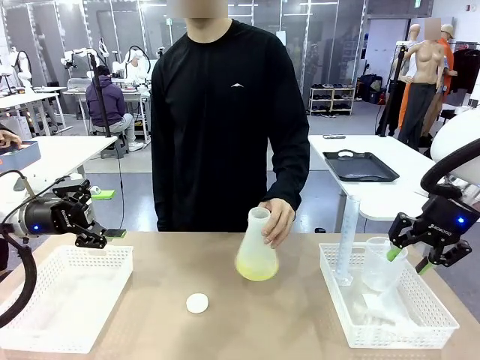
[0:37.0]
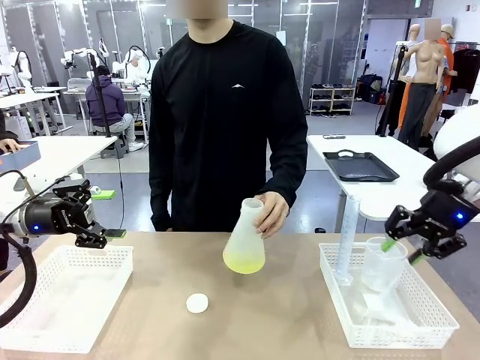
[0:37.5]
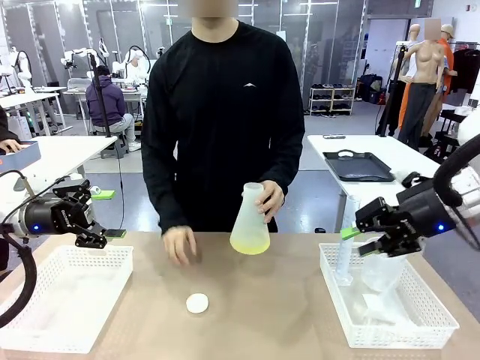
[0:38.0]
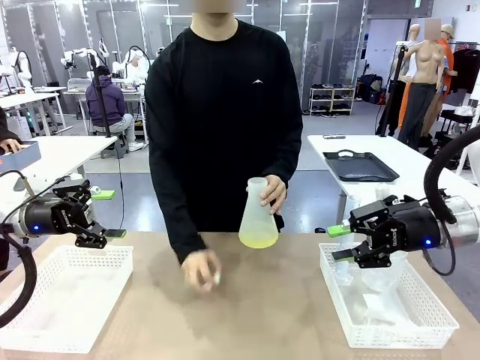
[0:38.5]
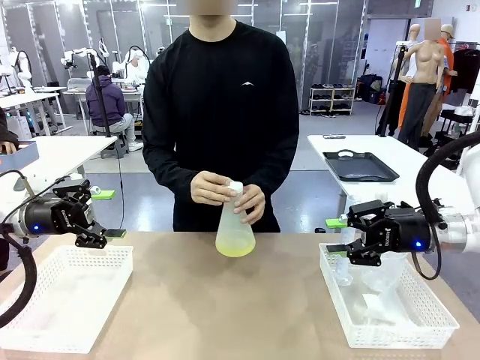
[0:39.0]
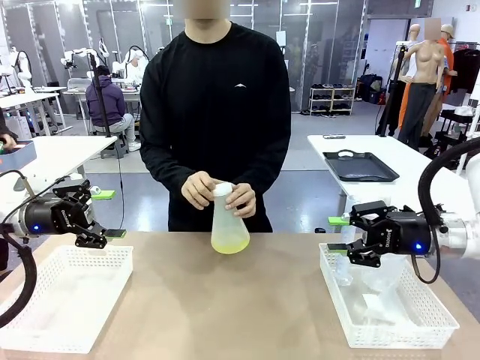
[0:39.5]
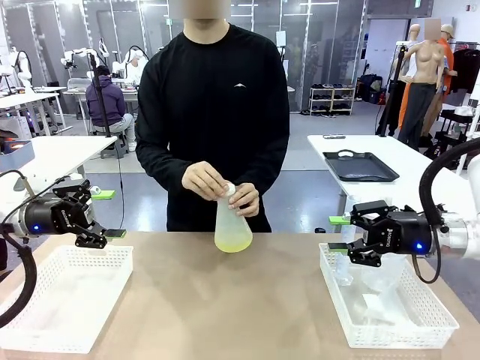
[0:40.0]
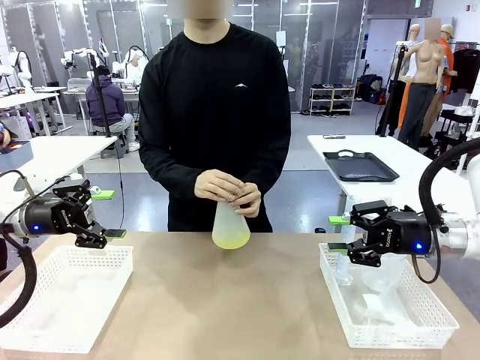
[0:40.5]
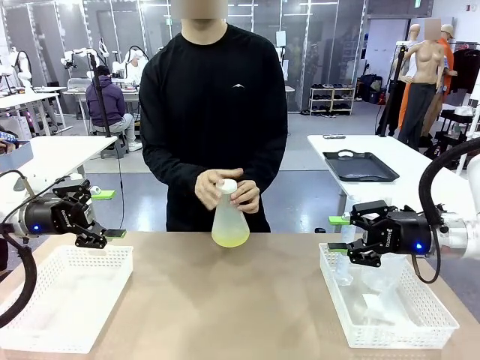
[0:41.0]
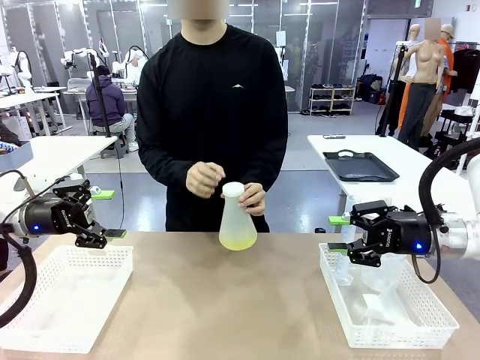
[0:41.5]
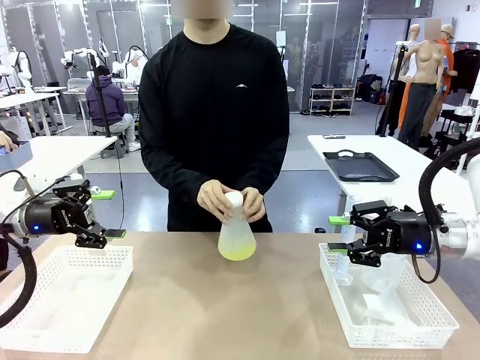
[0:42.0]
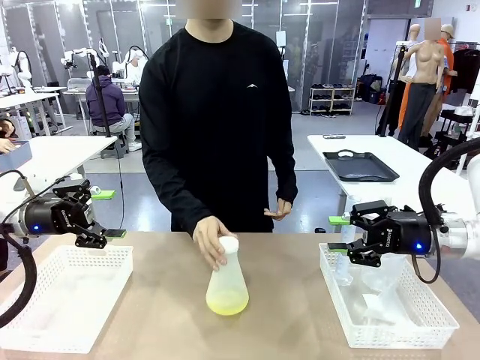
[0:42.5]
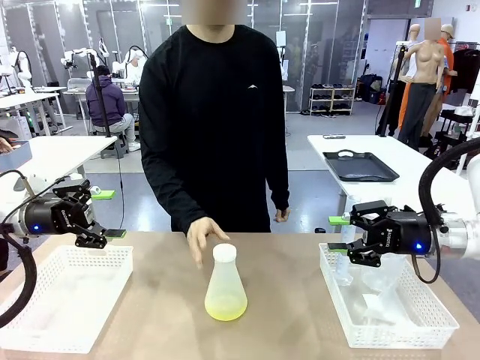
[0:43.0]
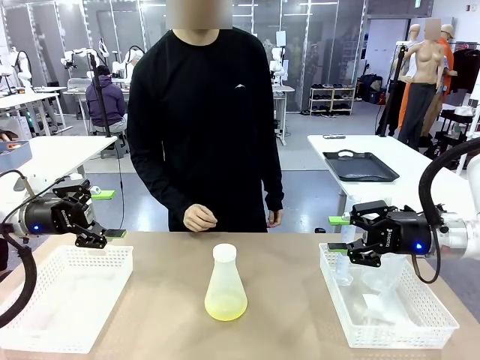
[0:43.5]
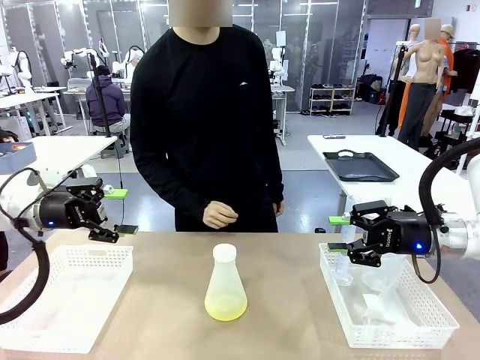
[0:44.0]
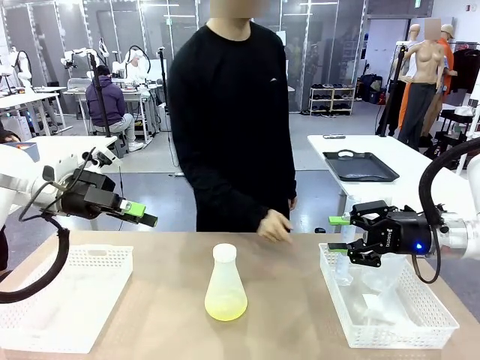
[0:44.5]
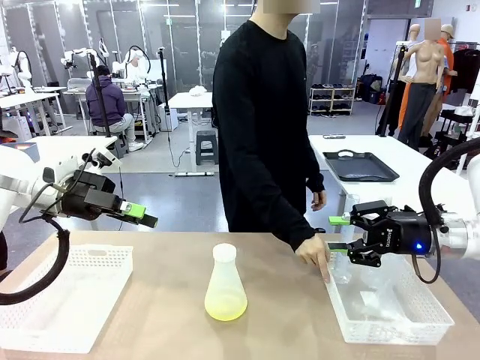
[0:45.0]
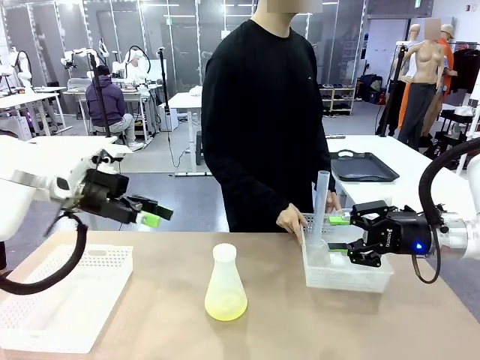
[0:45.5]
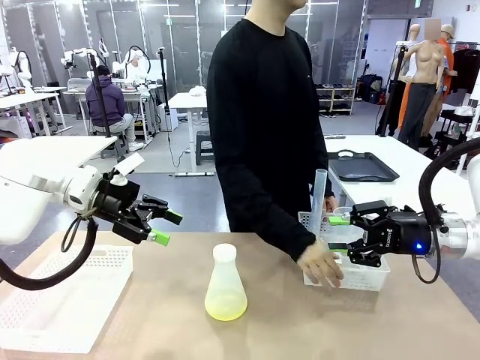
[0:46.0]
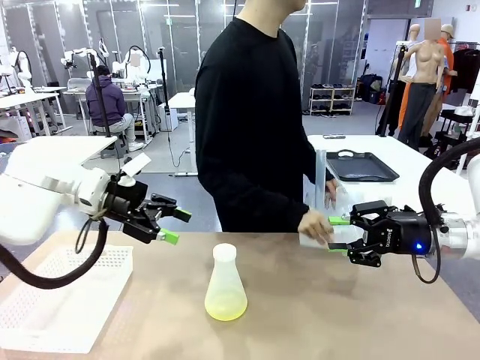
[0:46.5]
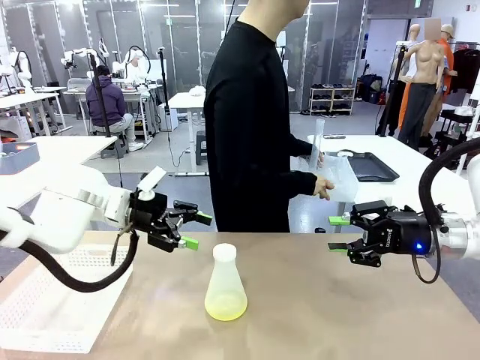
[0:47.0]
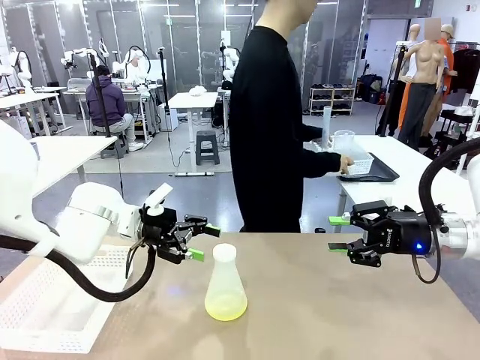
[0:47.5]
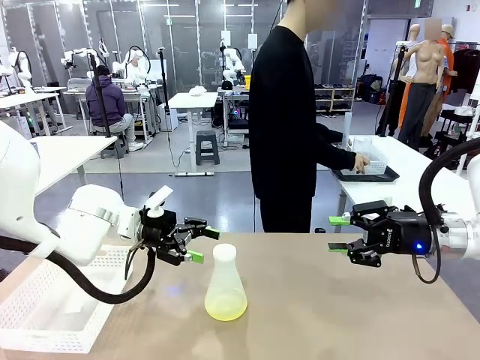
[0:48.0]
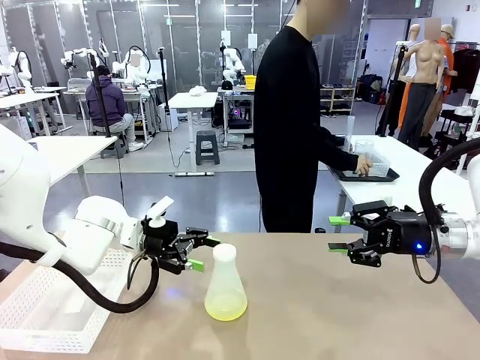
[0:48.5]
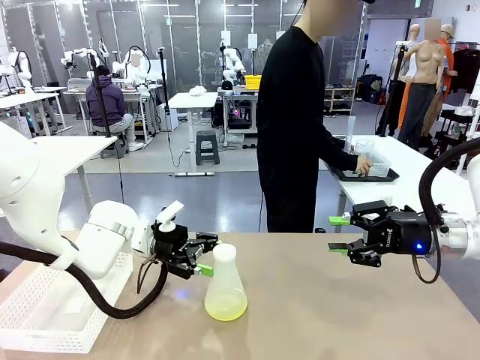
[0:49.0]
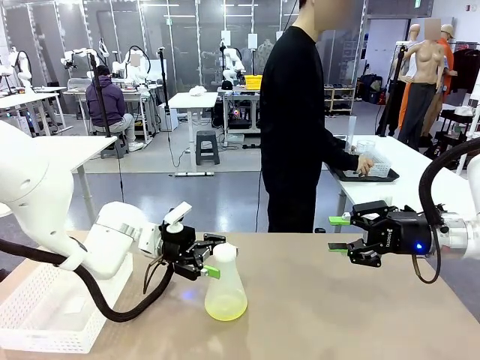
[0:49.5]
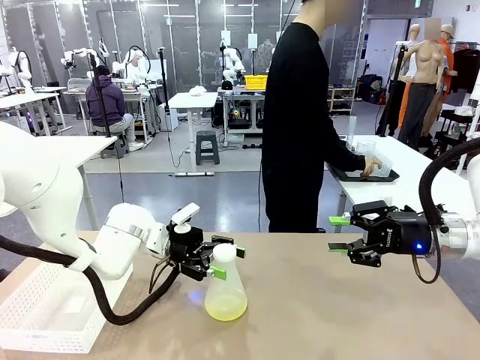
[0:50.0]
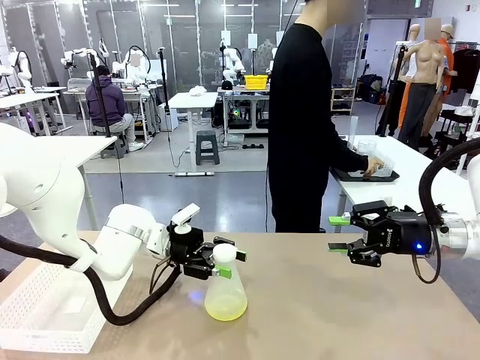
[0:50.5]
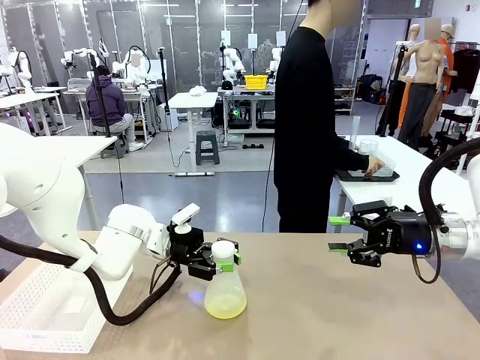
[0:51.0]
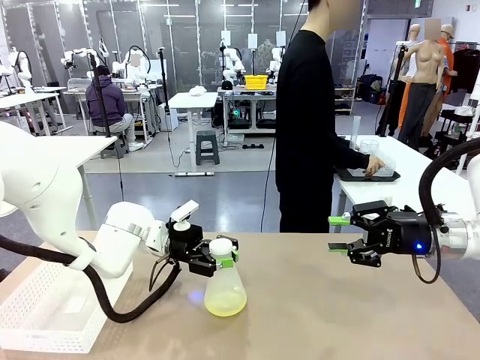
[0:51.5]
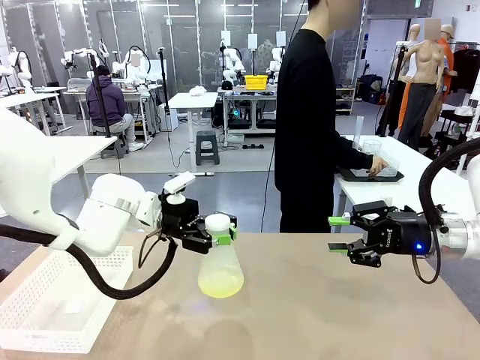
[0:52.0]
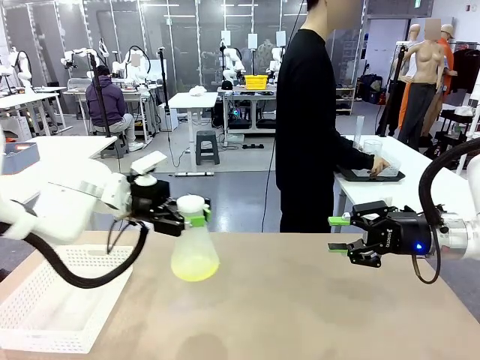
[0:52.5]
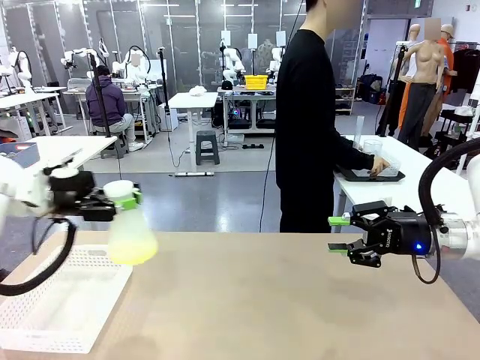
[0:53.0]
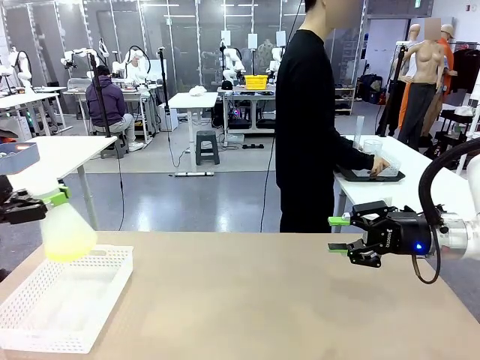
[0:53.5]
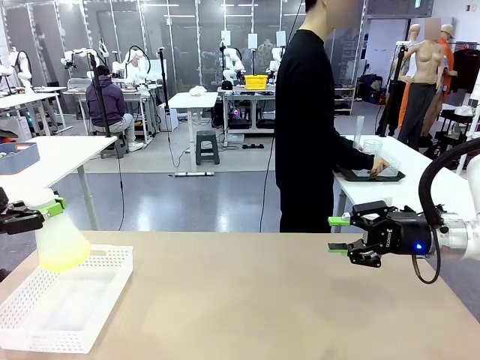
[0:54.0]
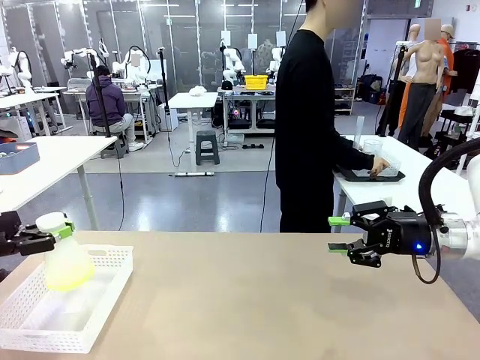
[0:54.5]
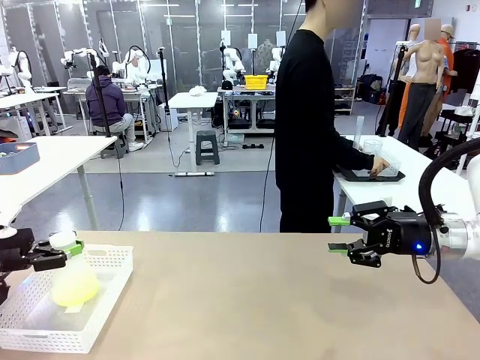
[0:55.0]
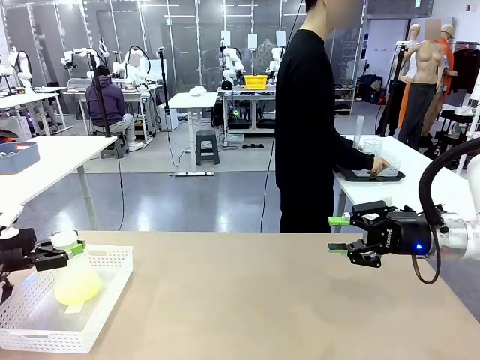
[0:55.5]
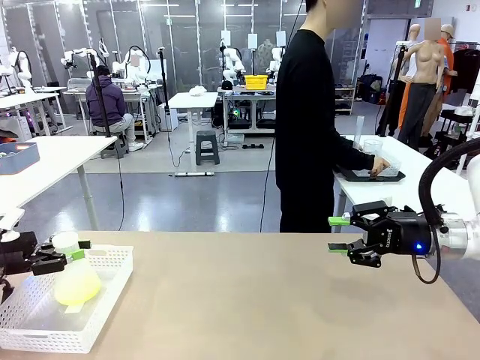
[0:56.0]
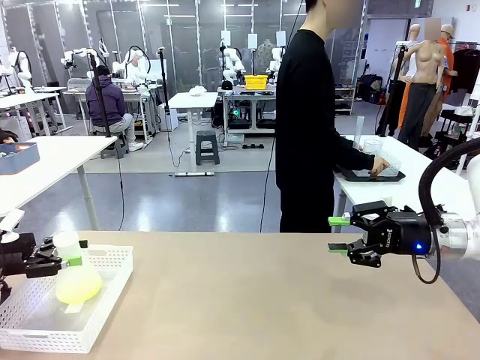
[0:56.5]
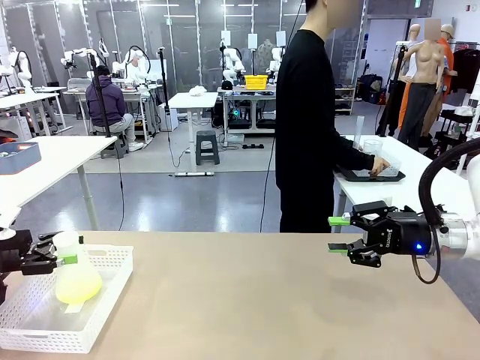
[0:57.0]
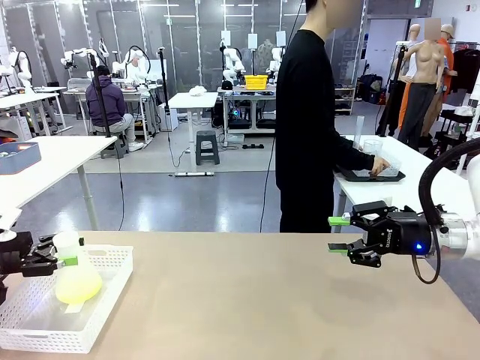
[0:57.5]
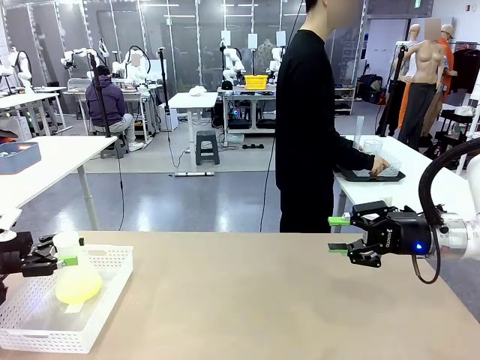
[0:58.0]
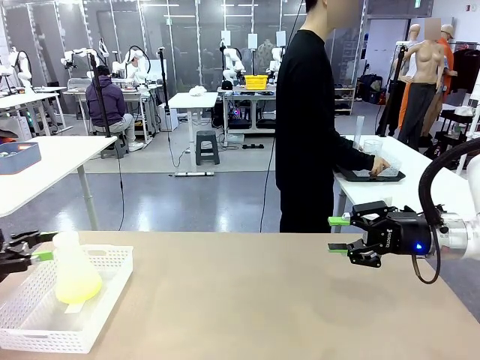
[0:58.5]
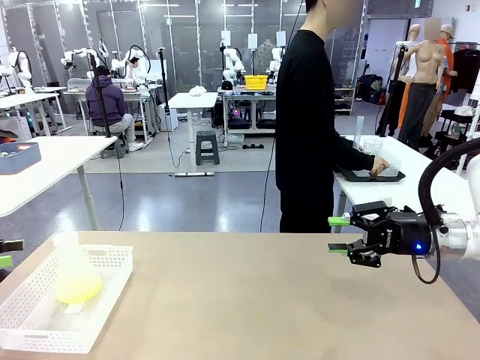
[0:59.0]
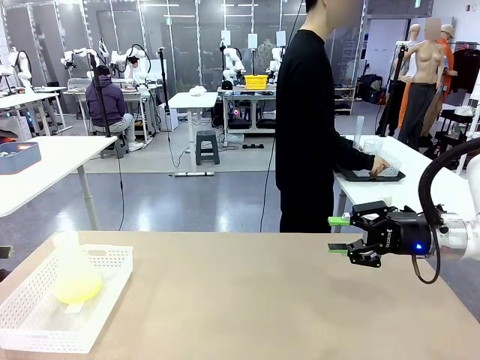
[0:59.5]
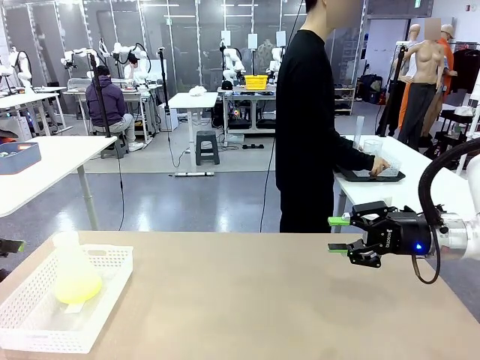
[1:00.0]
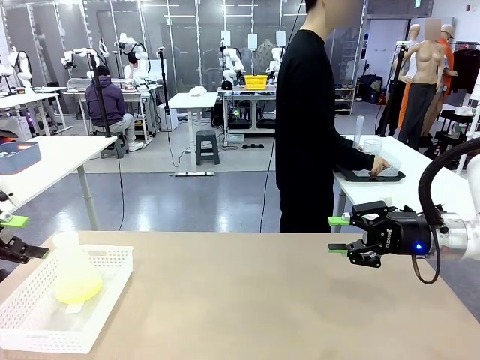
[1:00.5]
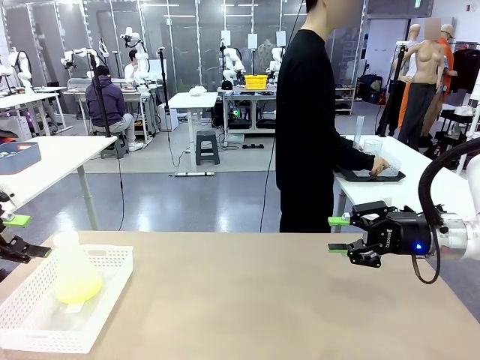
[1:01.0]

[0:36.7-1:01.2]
Task: Prepare the solutions needed for the experiment.
Robot: When the human places the Big flask in the center of the table, pick up the Big flask and place it in the left Organizing basket.
Person: Pick up the flask, gently shake it 2–3 times, place it in the middle of the robot table, and close the lid. Pick up the organizing basket on the left side of the robot table and place it on the left side of the human table.
